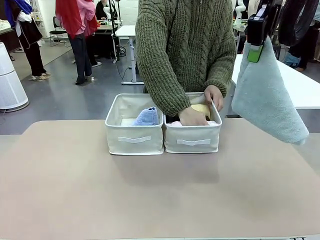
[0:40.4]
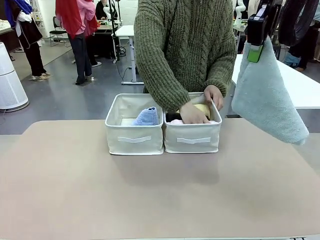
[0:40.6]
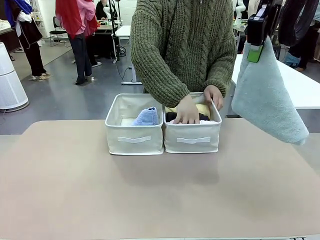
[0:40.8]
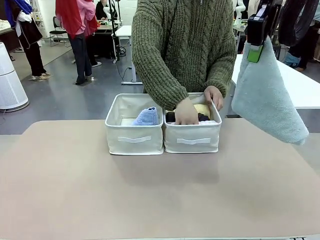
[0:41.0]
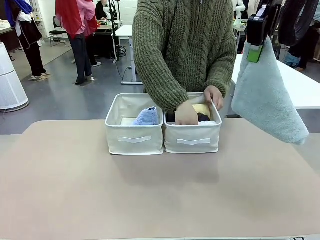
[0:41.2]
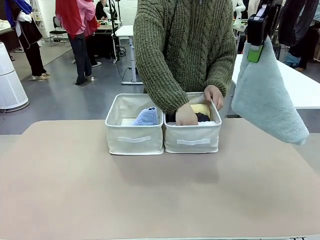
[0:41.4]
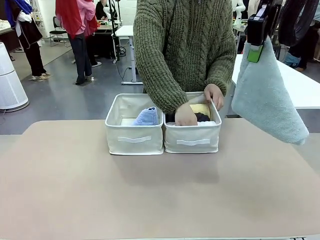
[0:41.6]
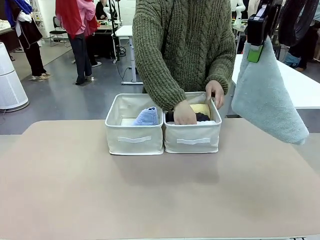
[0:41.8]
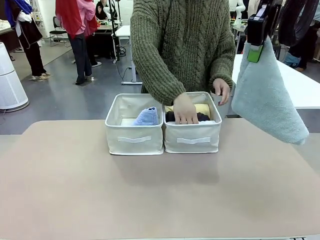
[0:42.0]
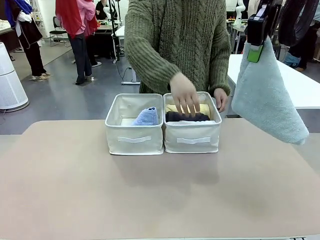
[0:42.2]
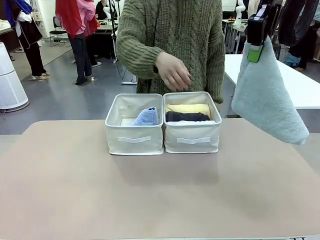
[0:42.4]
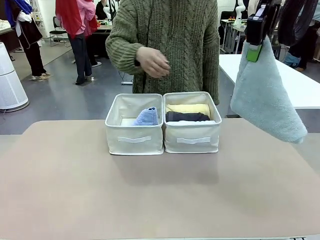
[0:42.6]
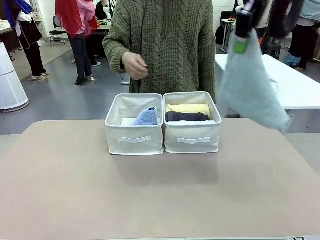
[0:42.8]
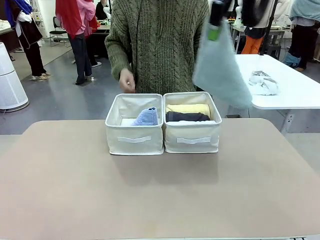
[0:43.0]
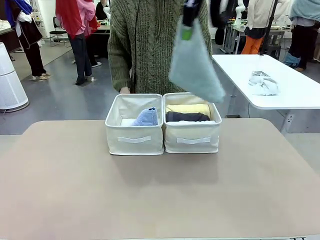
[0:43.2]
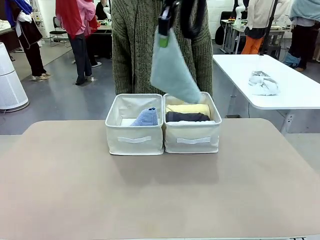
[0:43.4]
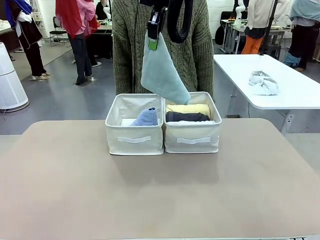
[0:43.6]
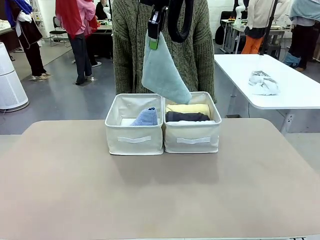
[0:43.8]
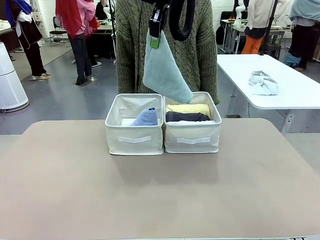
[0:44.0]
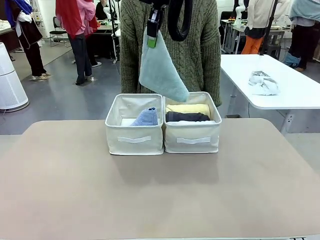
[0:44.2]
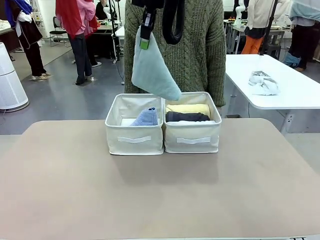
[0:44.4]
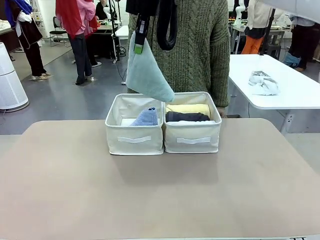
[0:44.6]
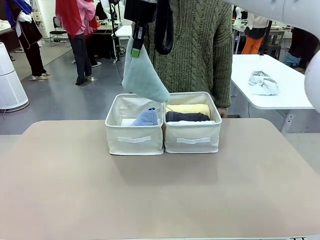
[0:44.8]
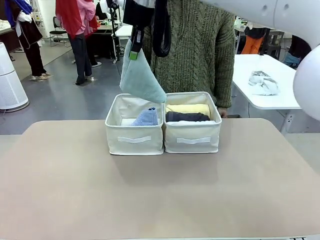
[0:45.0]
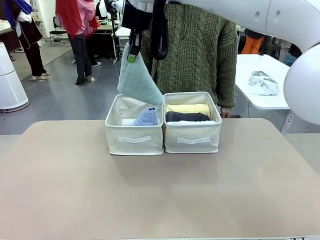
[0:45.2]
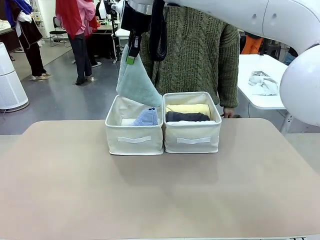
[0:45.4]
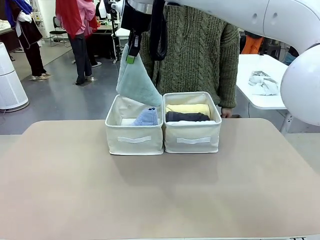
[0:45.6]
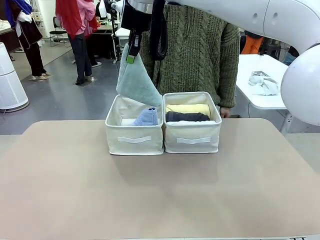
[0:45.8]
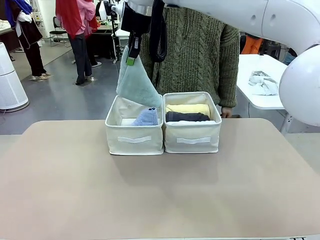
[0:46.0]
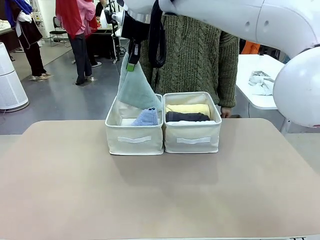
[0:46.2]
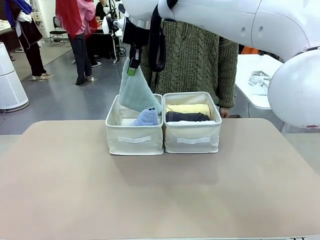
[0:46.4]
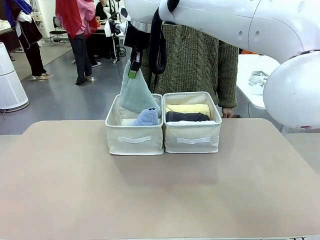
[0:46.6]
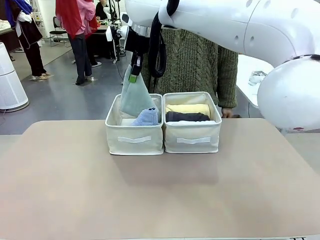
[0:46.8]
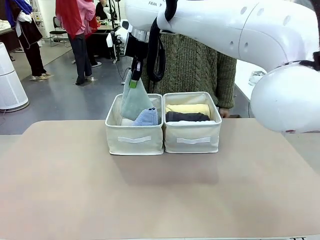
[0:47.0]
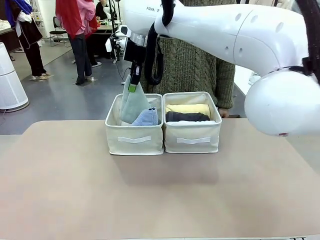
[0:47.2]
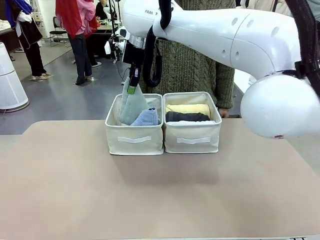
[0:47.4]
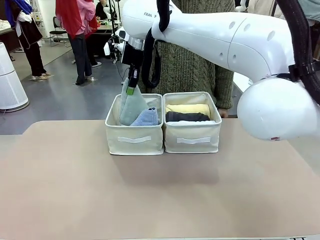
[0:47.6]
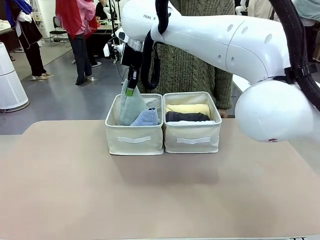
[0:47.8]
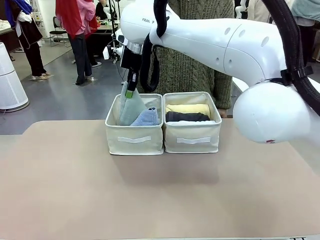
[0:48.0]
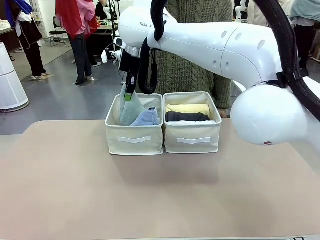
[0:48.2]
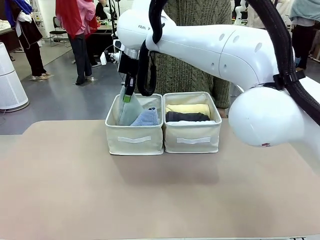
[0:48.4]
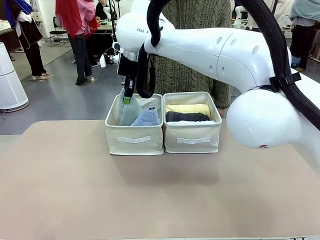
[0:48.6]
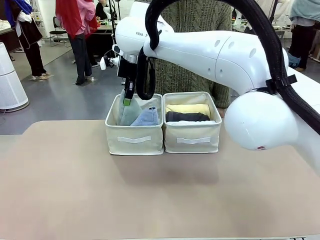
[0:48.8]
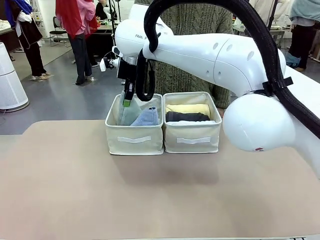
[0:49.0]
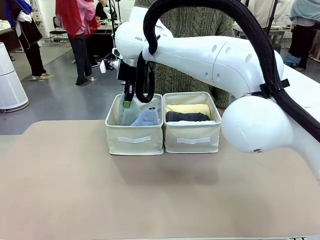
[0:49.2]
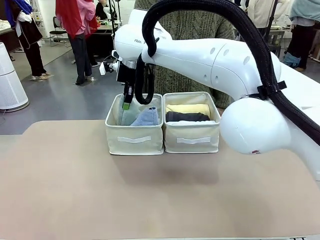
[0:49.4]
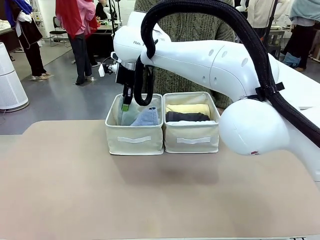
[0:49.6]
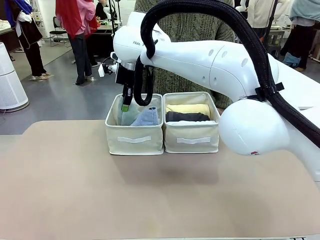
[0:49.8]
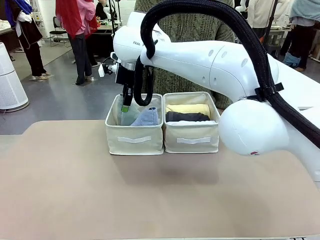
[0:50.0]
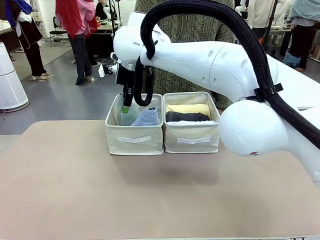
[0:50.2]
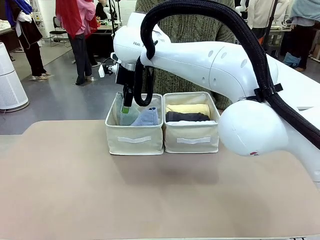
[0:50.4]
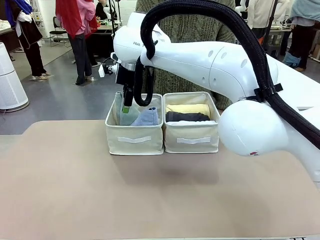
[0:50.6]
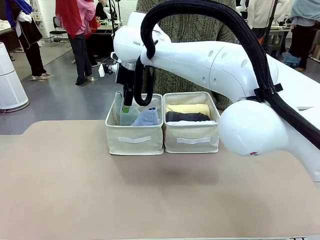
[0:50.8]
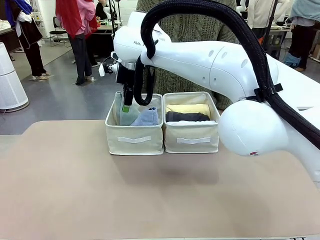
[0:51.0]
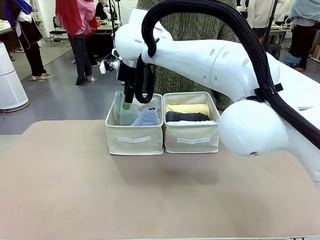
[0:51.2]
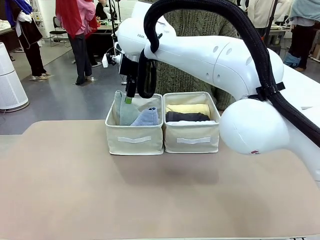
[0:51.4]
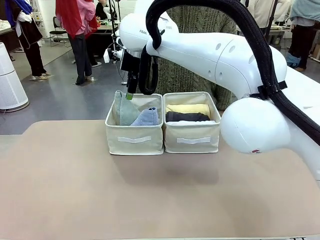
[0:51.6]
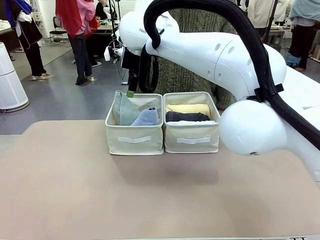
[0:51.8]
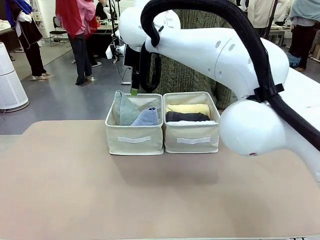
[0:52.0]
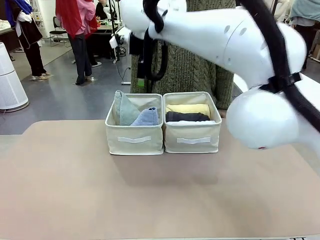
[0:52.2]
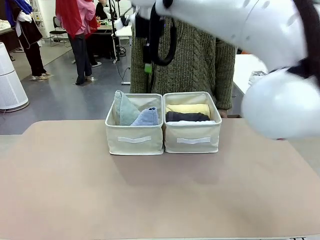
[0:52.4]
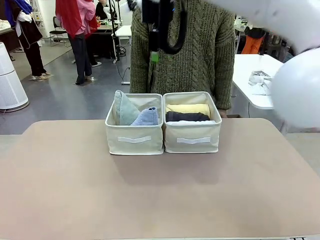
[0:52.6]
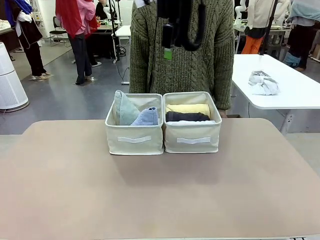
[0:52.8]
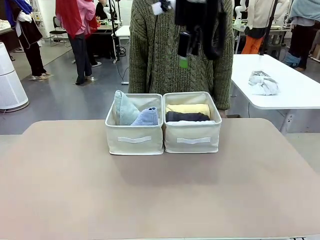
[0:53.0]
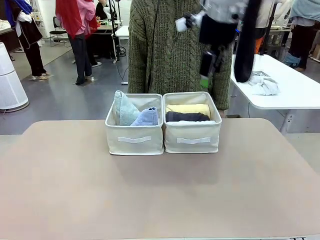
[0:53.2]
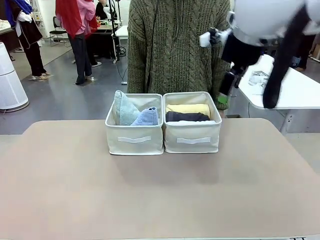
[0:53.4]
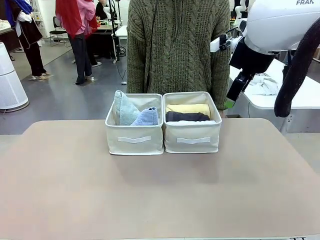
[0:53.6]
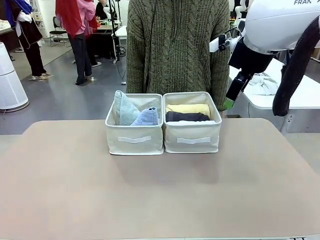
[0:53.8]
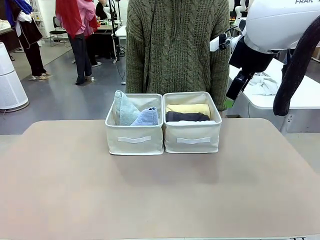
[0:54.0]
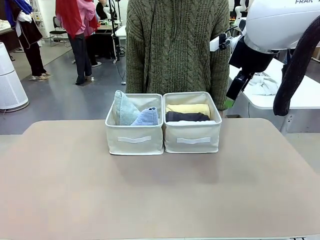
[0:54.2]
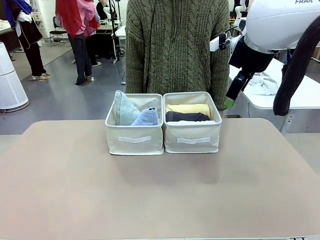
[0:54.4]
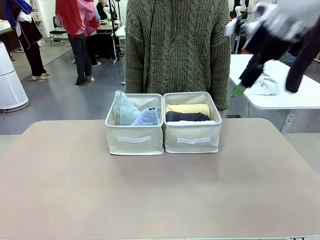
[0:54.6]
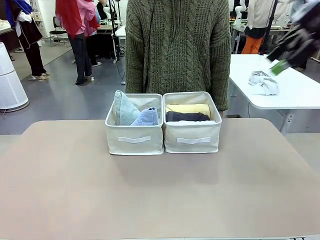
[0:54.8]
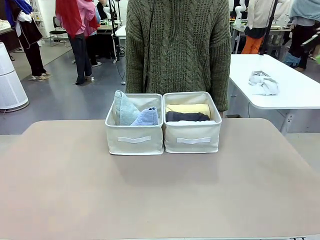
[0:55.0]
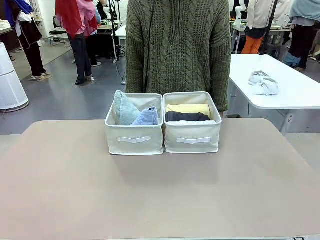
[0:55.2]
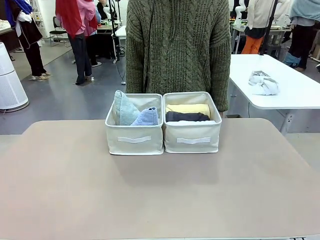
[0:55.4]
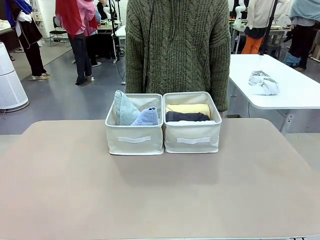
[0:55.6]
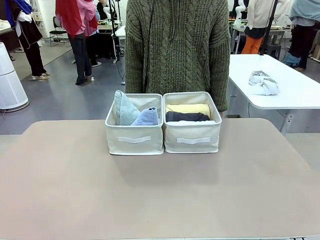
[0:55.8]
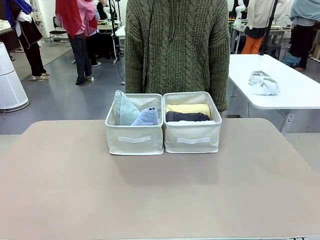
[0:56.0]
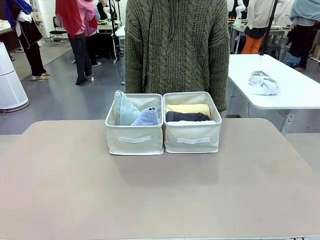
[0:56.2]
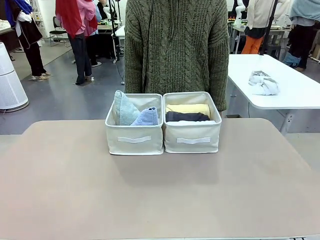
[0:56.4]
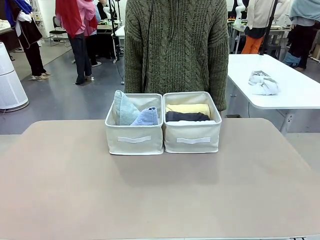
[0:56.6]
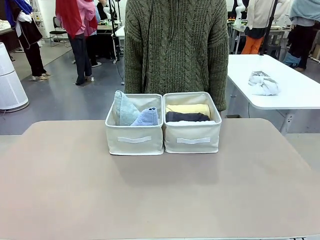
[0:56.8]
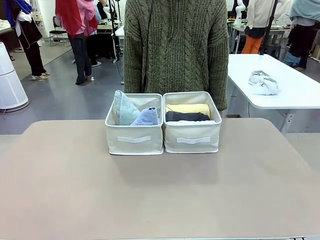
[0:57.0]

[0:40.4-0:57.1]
Task: Sort the towels based on their folding style.
Robot: Pick up another triangle-folded towel from the table and place it in the left Fabric basket.
